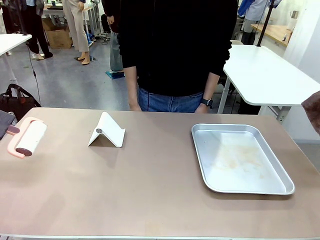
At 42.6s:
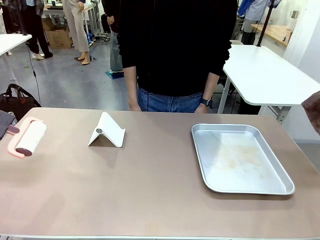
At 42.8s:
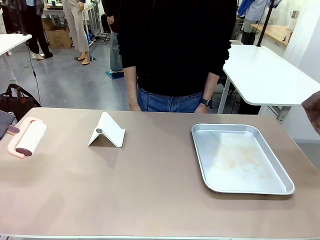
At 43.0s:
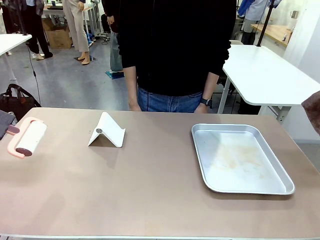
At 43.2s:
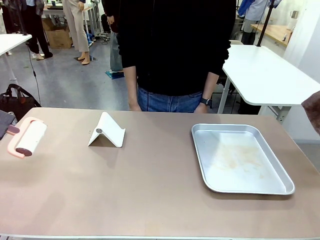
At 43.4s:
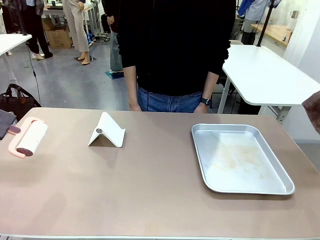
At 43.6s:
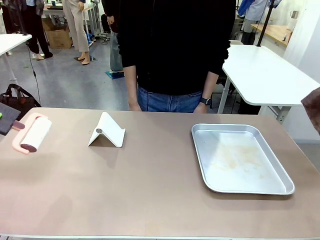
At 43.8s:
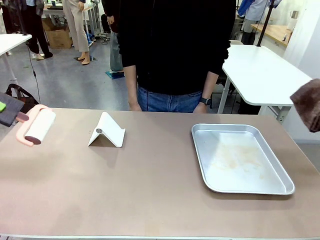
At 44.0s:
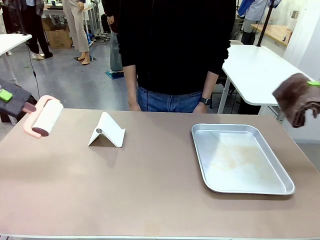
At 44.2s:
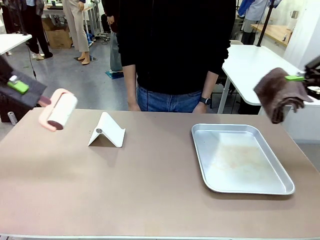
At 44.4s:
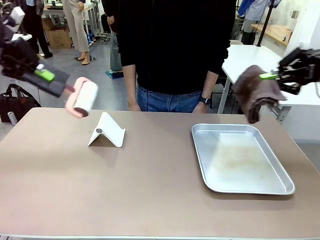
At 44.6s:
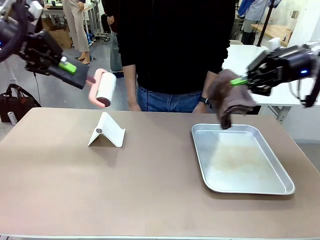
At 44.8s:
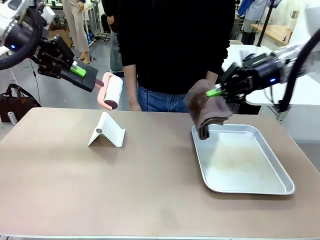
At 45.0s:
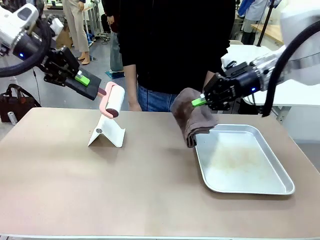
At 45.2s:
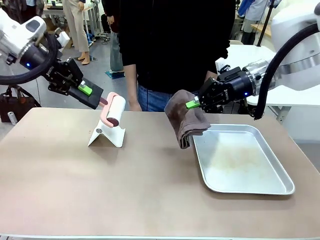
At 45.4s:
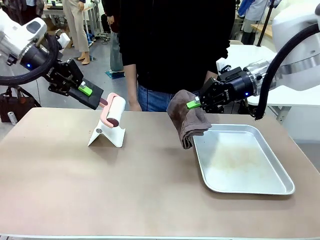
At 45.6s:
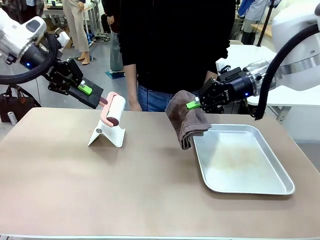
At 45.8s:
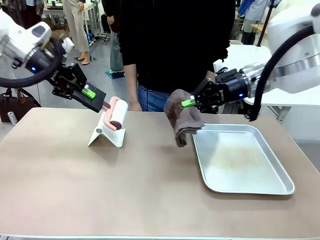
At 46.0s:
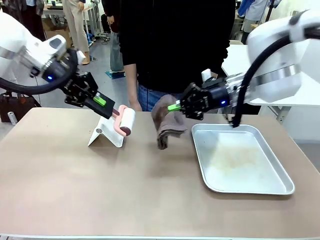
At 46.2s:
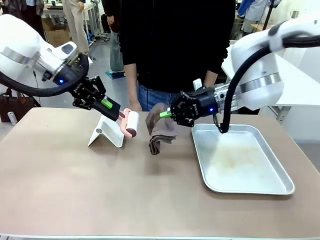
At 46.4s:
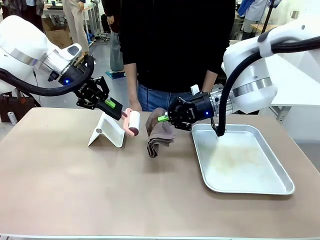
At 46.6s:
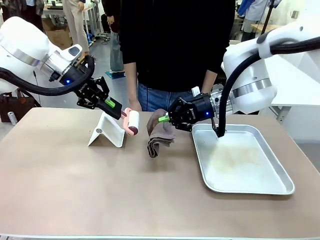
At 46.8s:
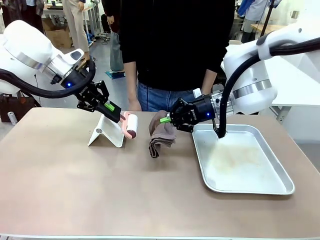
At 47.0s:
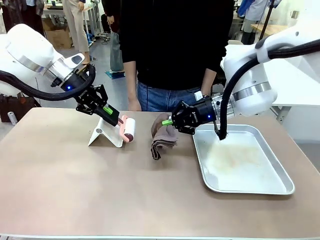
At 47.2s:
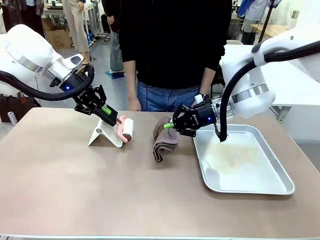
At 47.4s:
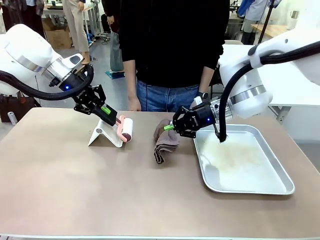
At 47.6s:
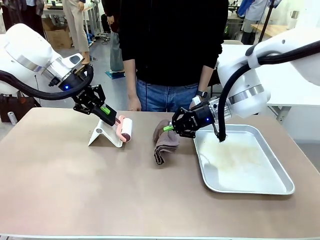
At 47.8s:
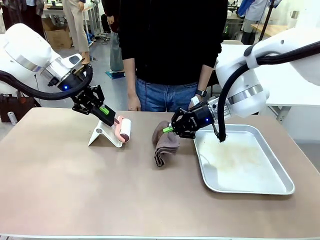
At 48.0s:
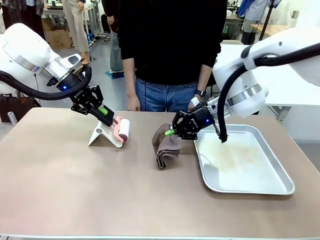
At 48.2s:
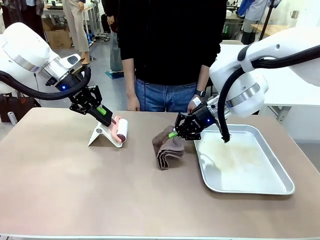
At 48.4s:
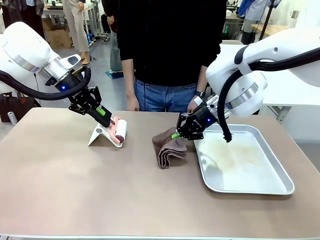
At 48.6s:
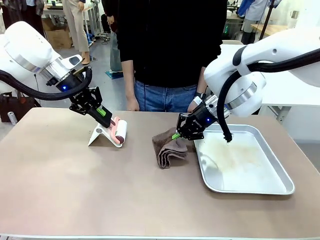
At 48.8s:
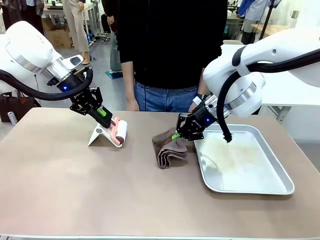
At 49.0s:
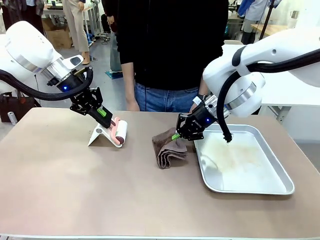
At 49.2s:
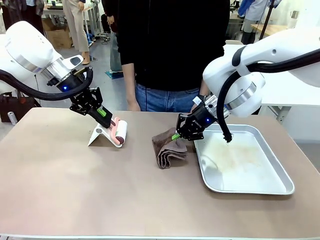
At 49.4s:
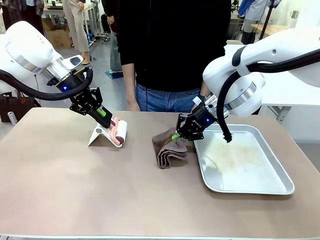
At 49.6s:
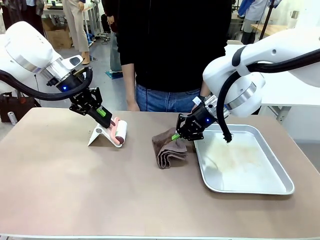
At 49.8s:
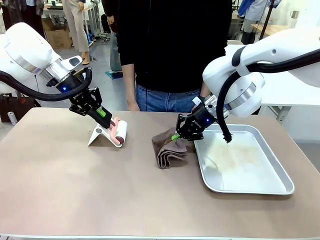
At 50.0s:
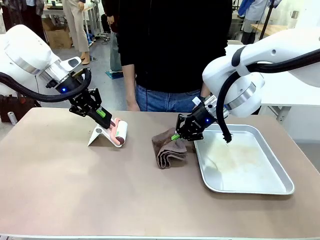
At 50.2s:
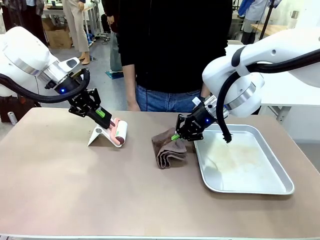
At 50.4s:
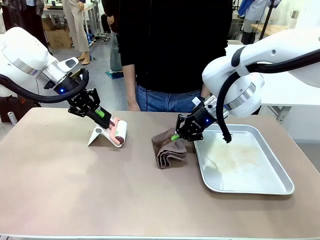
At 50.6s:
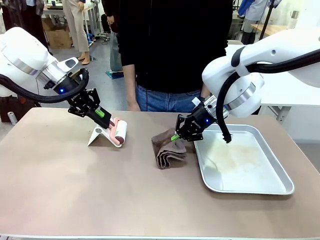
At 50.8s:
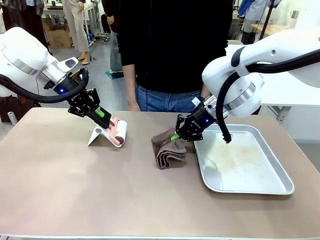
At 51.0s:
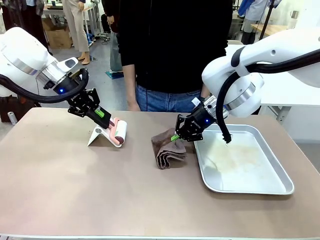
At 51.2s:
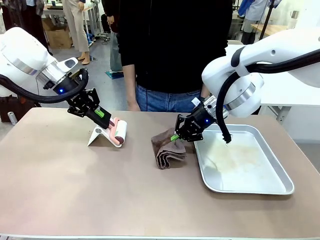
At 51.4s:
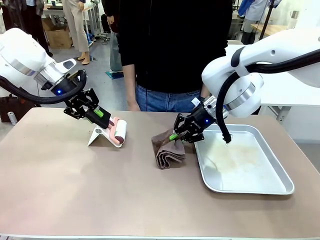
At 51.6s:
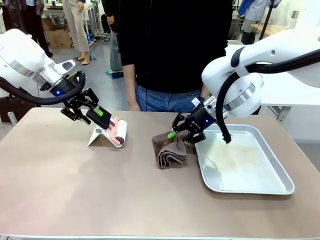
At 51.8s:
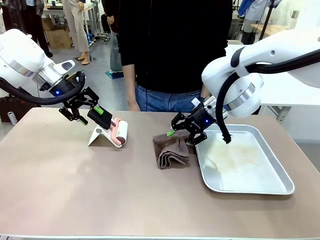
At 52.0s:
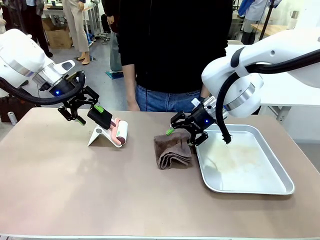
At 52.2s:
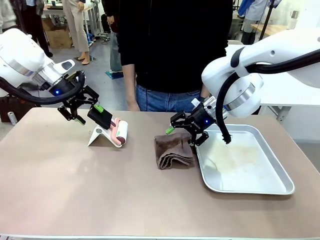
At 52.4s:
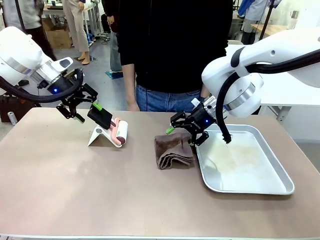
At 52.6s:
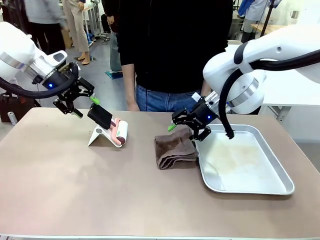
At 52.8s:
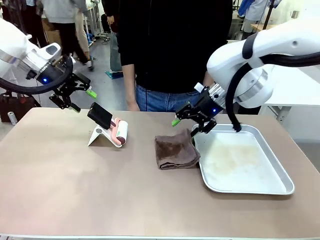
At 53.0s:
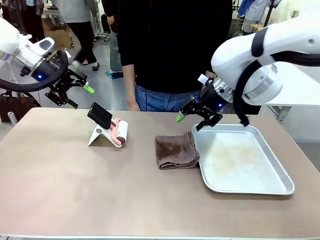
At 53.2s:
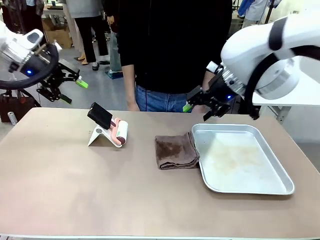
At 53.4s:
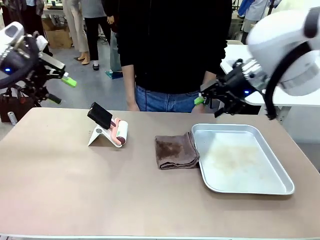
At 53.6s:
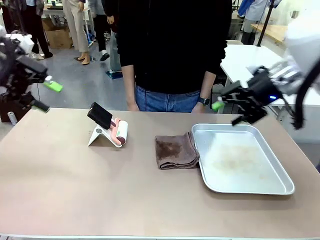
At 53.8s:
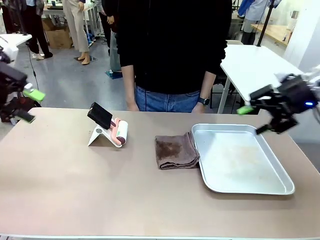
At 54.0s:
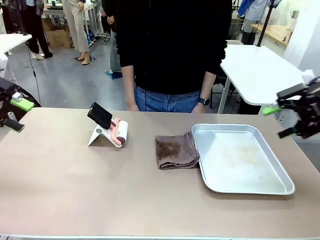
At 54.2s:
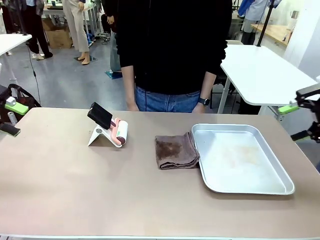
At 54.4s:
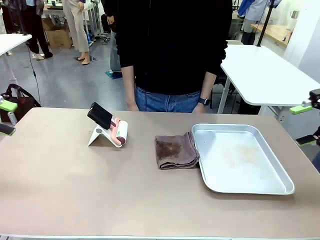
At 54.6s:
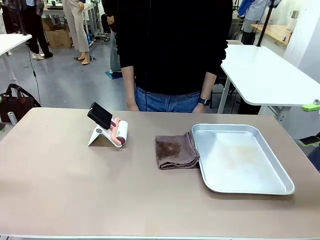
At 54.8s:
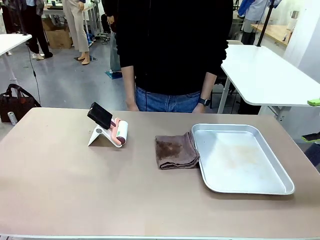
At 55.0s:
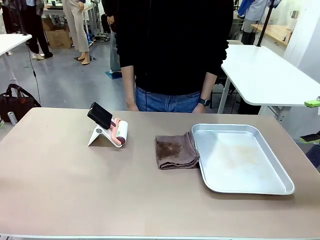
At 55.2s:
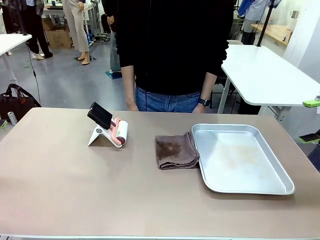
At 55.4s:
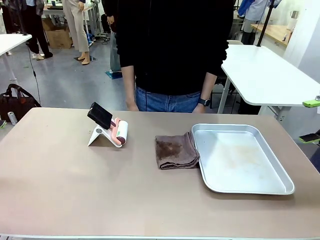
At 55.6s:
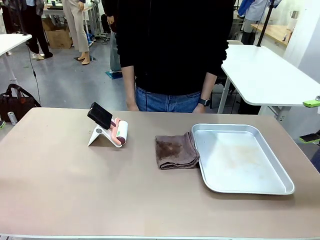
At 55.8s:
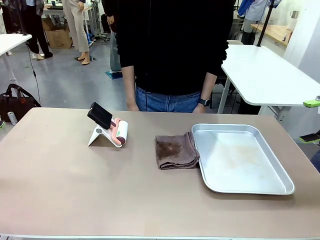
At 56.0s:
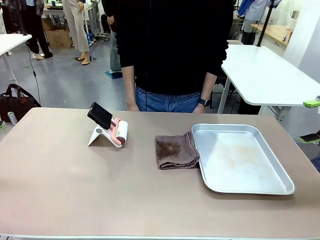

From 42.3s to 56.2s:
Task: Clean the surface of the table.
Robot: Return the Lint Roller and towel to their original positions.

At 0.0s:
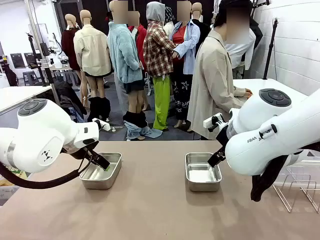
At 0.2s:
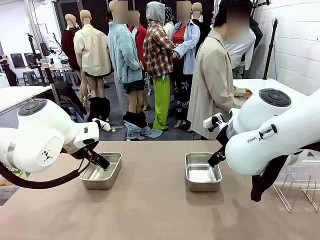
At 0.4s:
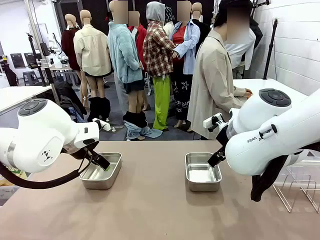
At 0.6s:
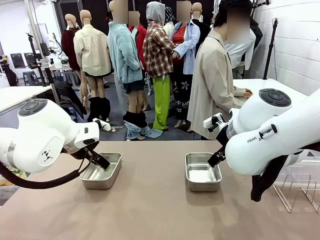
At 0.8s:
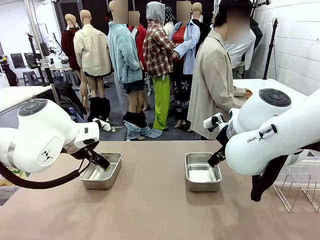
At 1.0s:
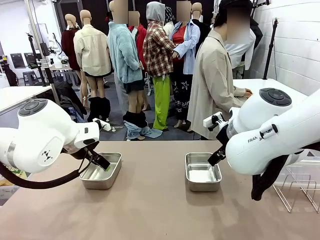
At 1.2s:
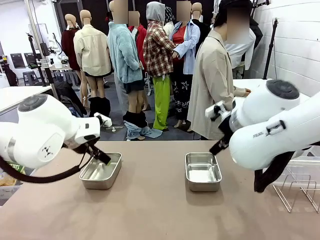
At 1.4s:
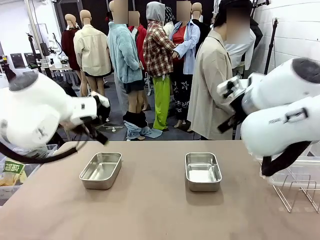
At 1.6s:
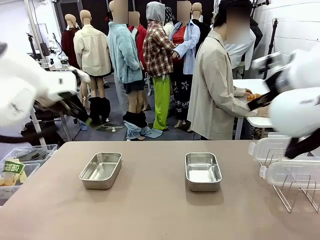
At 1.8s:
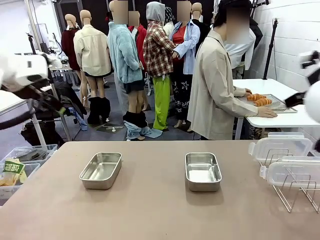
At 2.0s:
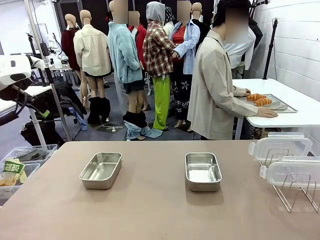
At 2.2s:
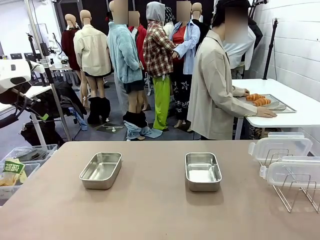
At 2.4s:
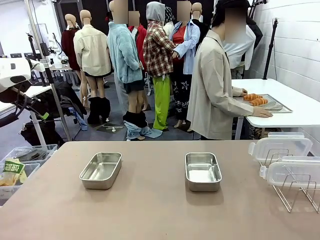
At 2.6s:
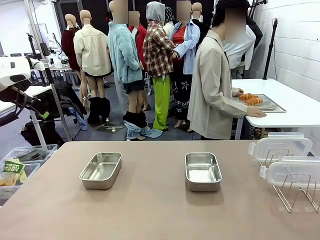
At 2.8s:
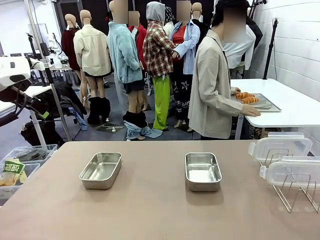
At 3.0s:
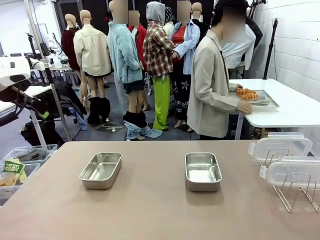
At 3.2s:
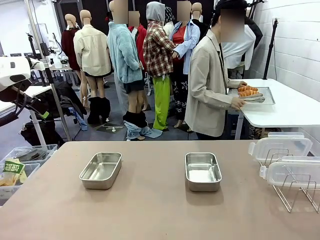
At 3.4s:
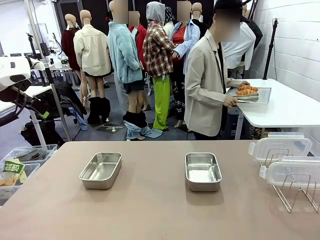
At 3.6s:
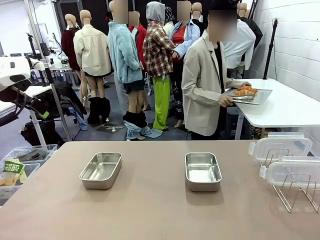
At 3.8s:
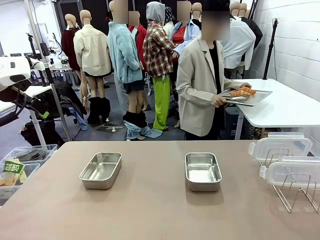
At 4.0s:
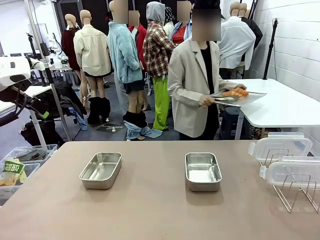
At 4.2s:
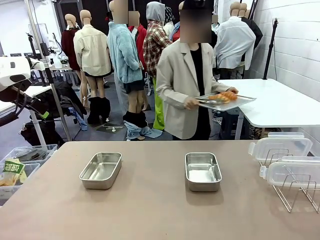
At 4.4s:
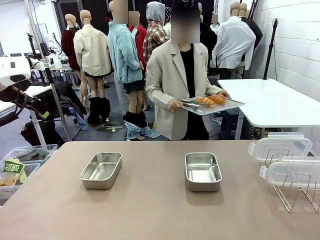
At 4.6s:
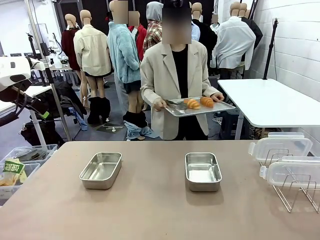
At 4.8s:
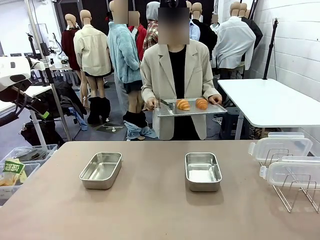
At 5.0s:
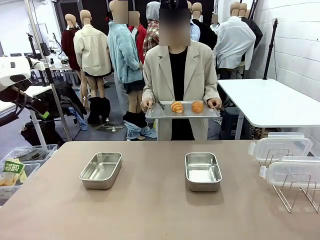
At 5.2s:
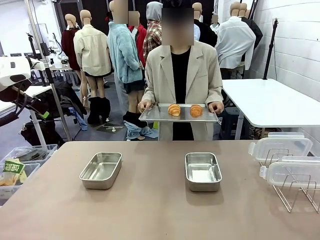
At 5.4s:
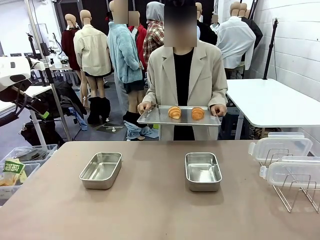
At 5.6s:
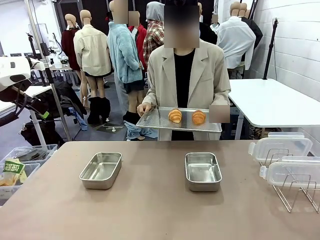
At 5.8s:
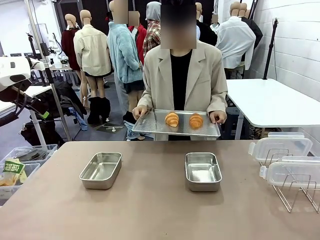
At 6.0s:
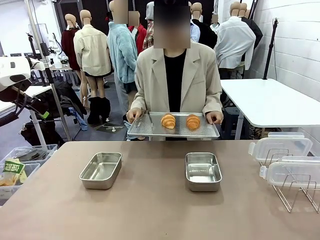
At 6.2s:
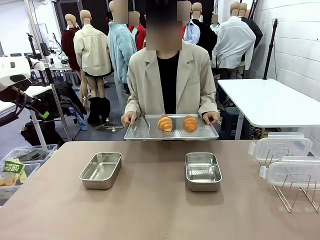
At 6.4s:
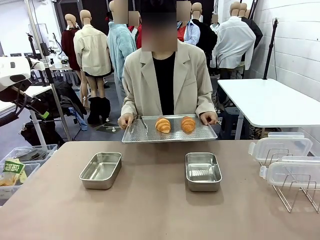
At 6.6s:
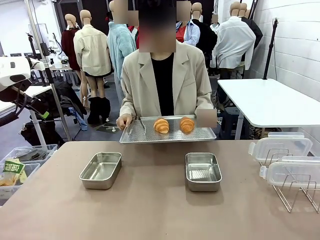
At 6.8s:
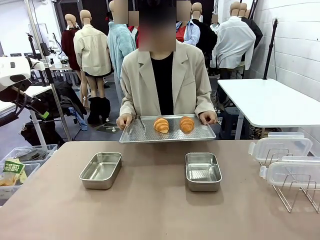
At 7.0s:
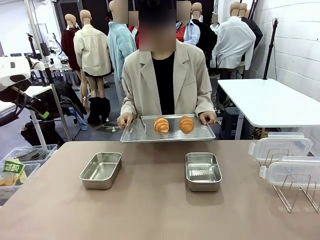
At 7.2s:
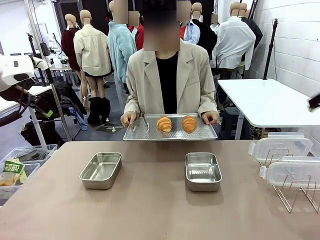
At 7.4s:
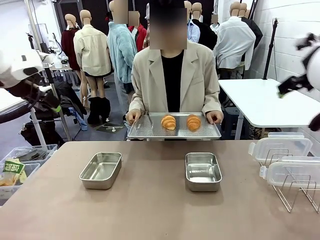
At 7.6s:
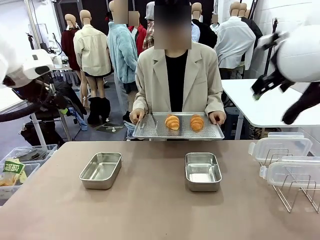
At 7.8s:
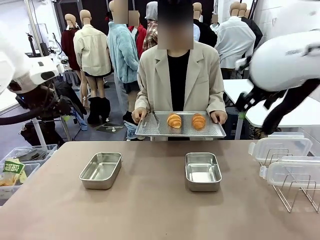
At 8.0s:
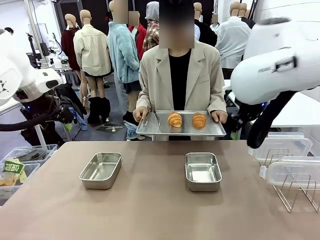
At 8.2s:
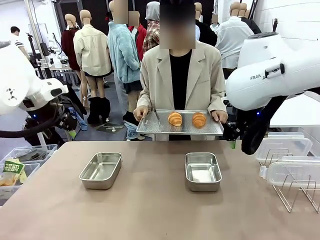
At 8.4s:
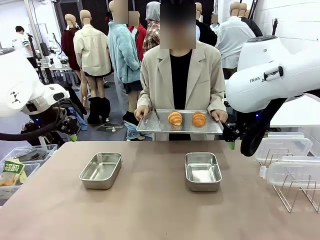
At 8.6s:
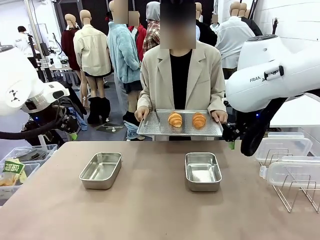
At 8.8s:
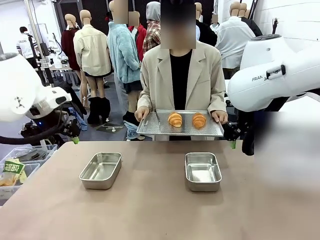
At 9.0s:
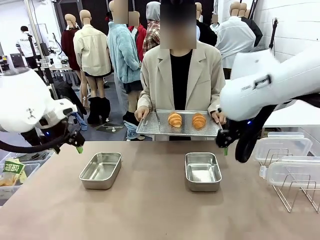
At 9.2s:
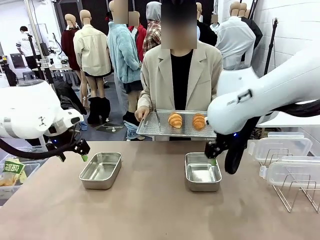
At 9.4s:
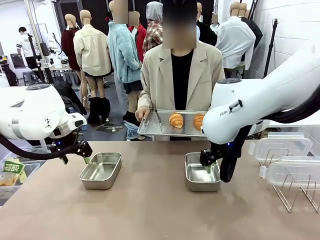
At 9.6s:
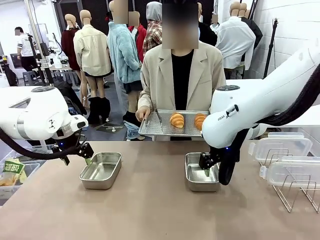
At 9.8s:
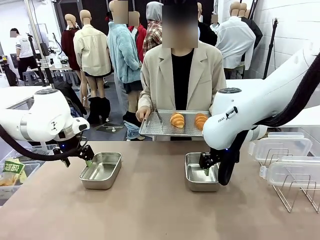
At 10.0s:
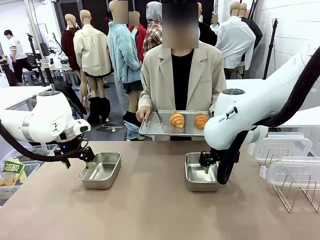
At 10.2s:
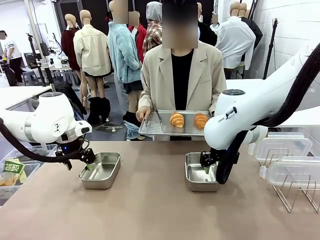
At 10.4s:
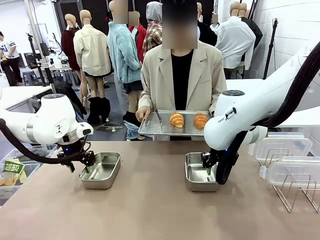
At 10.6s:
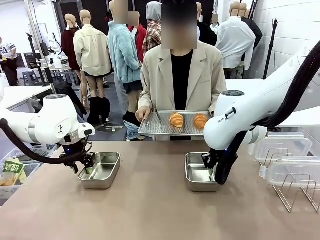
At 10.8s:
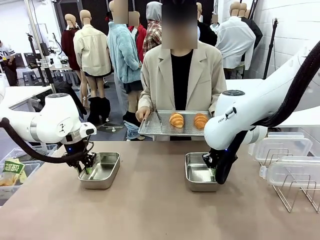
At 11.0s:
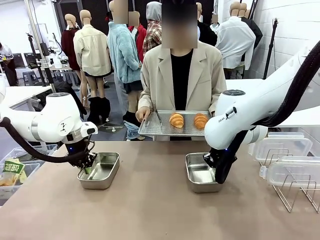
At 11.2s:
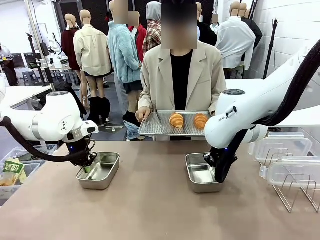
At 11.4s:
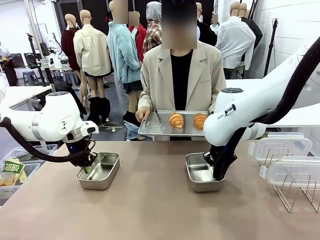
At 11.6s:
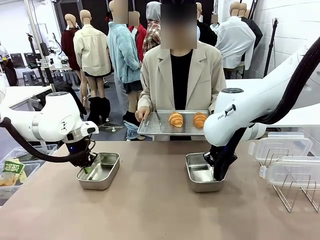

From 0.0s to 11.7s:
Task: Place the bread in airtight containers.
Robot: Lift both Airtight Container.
Person: Bring the Baking Sheet in front of Robot's Table.
